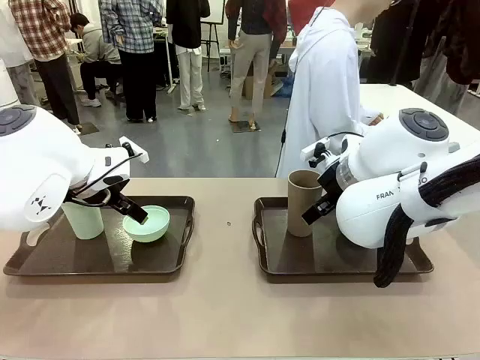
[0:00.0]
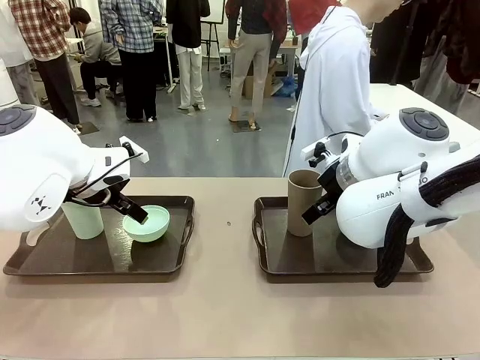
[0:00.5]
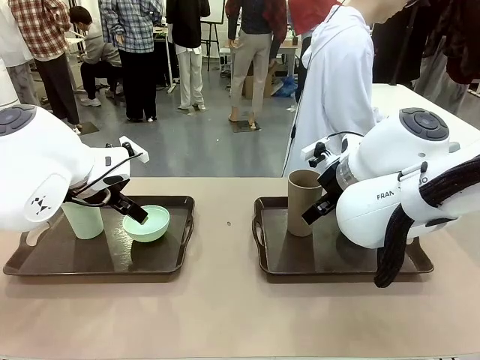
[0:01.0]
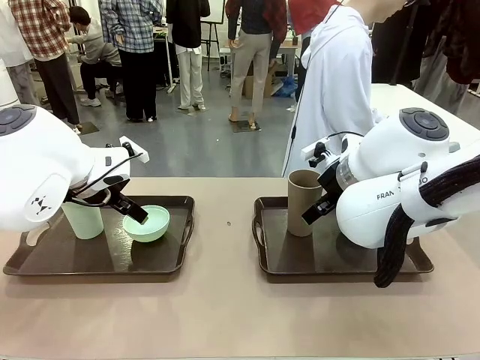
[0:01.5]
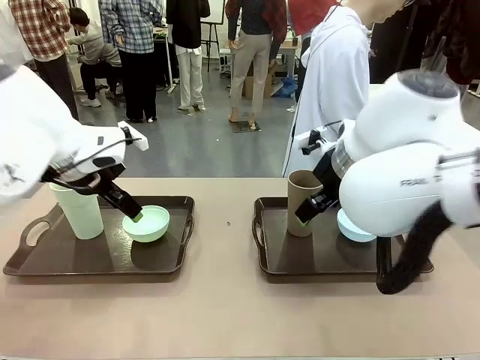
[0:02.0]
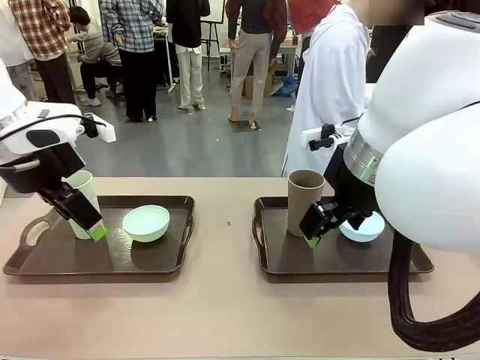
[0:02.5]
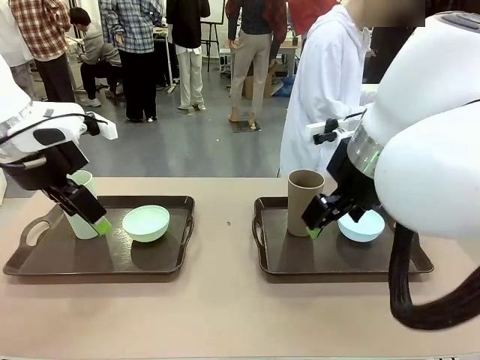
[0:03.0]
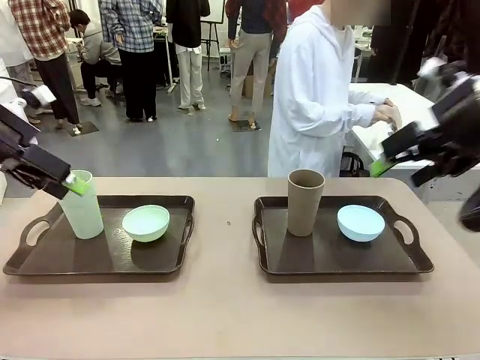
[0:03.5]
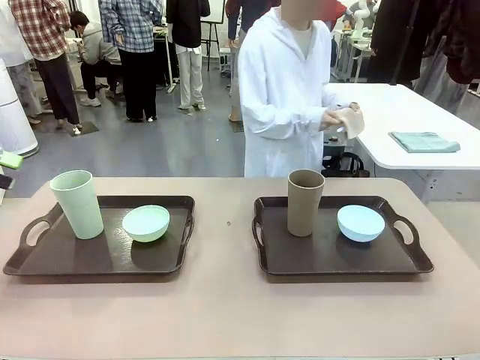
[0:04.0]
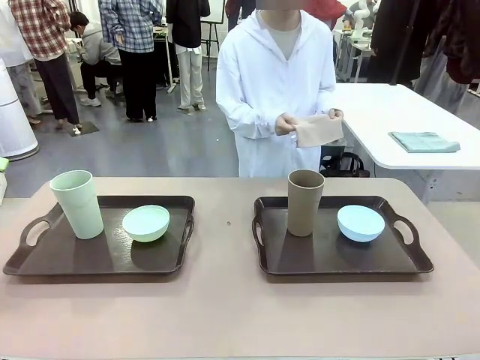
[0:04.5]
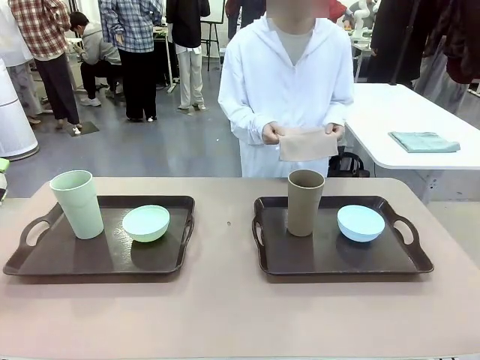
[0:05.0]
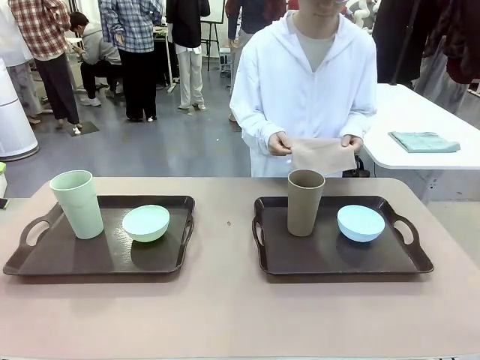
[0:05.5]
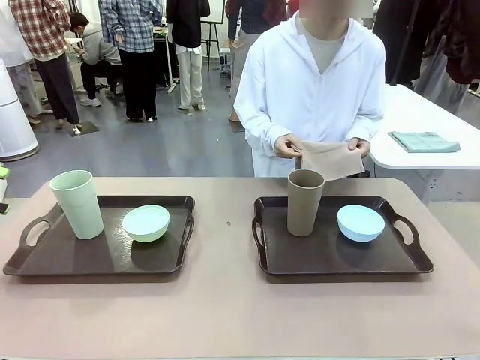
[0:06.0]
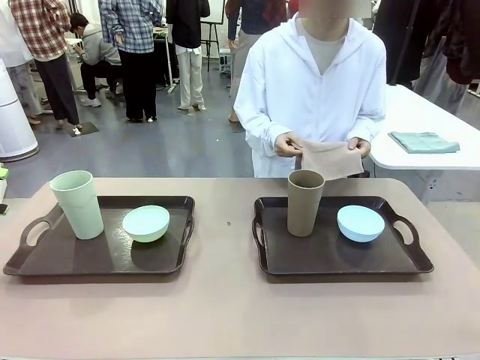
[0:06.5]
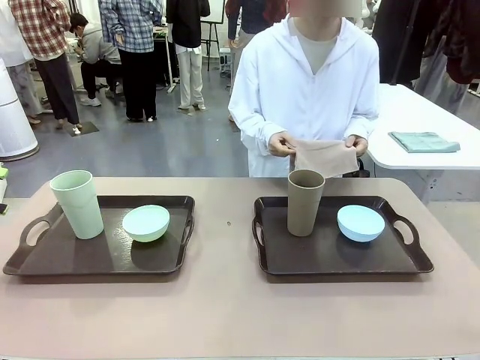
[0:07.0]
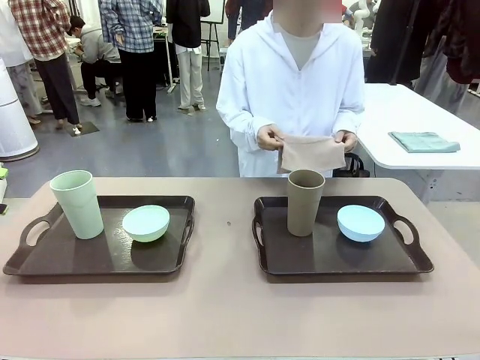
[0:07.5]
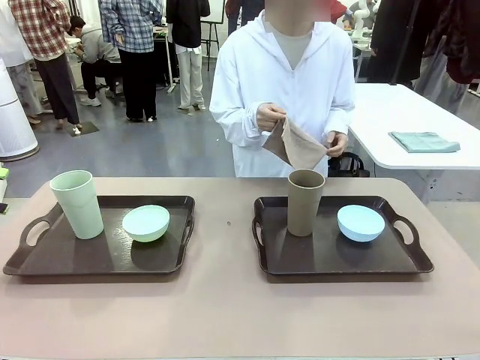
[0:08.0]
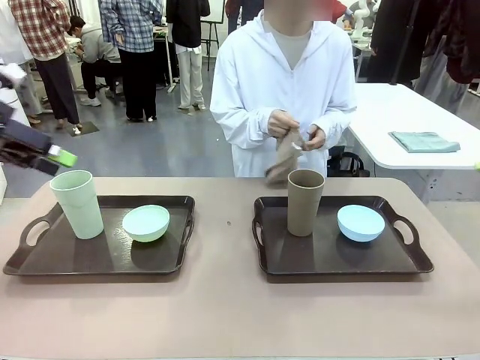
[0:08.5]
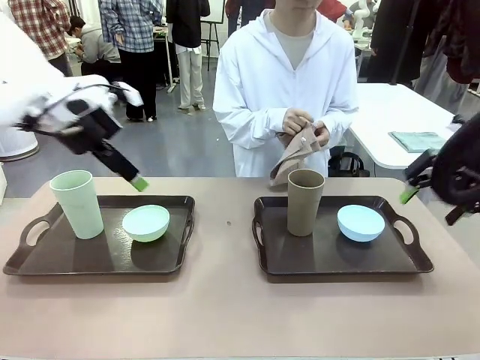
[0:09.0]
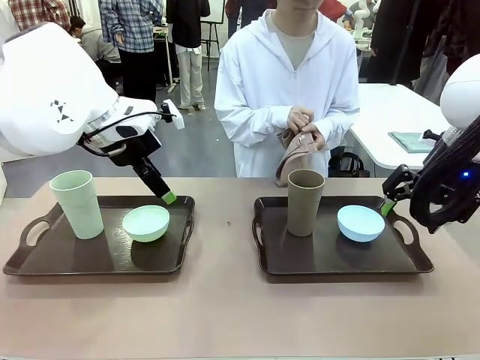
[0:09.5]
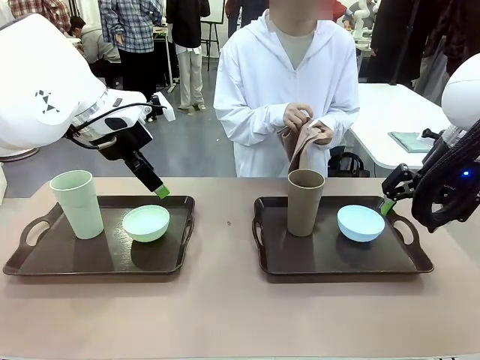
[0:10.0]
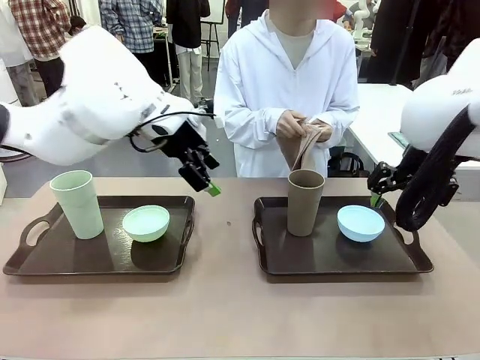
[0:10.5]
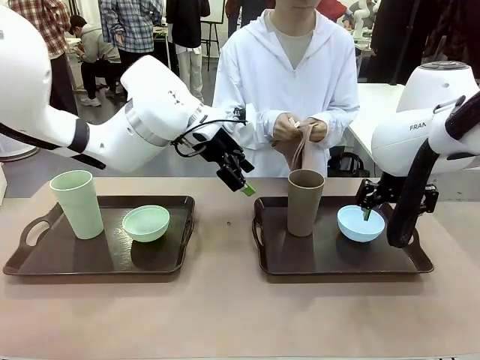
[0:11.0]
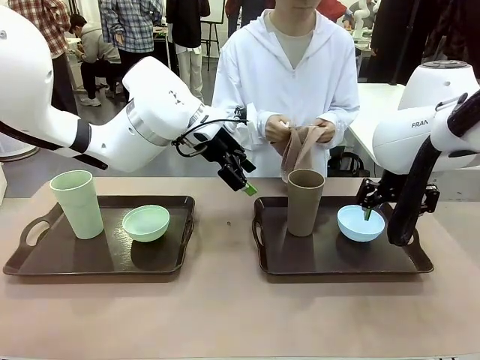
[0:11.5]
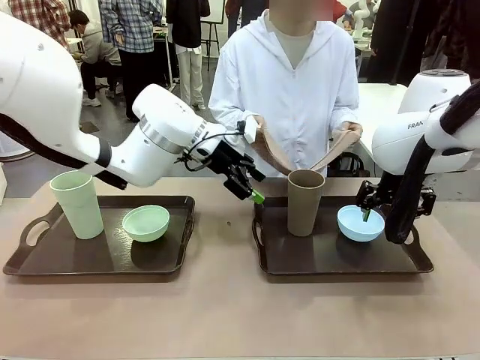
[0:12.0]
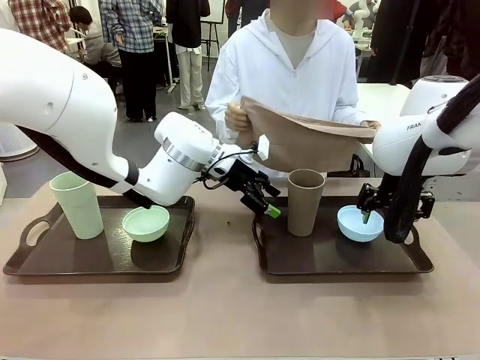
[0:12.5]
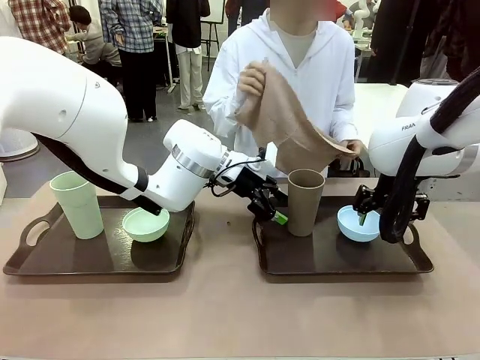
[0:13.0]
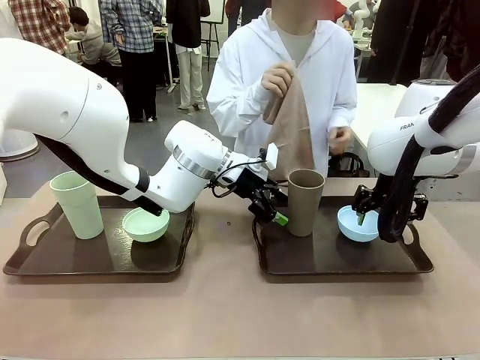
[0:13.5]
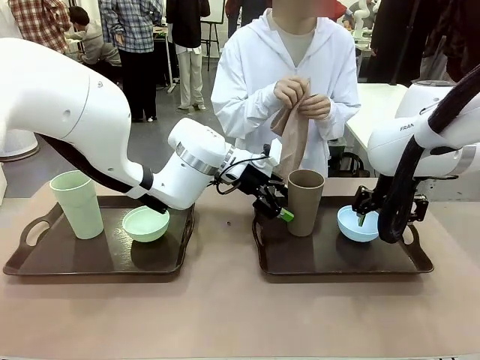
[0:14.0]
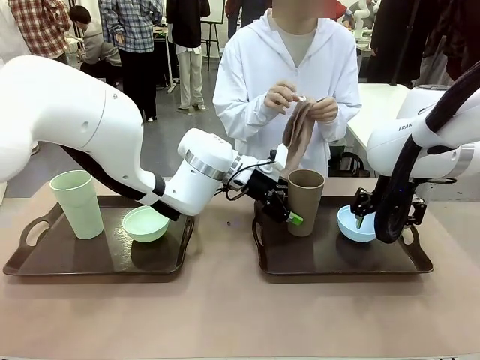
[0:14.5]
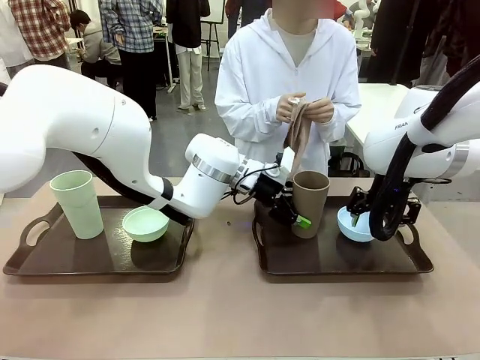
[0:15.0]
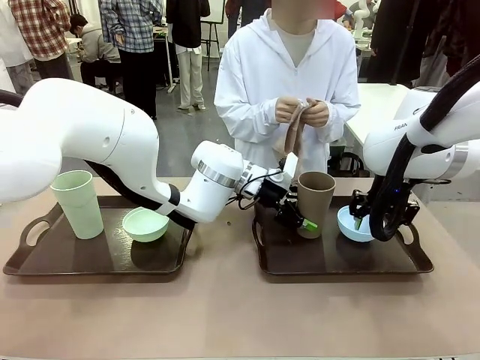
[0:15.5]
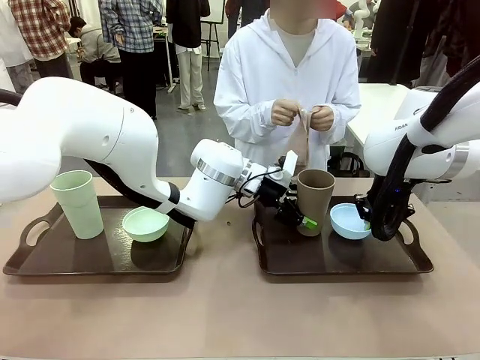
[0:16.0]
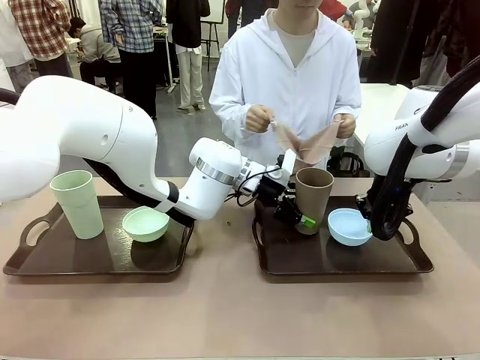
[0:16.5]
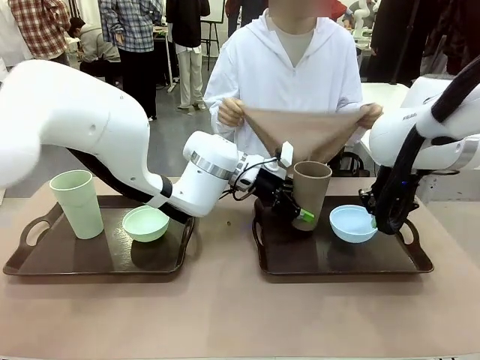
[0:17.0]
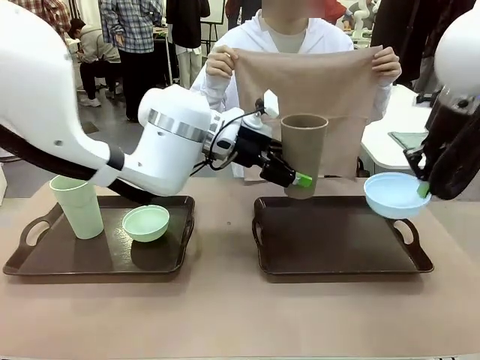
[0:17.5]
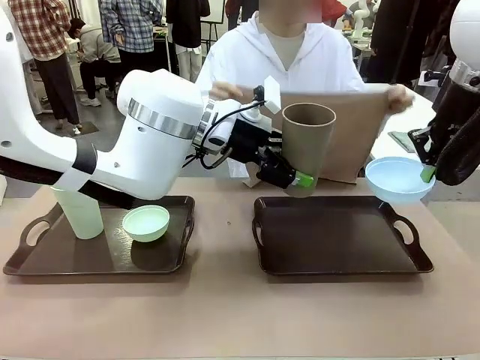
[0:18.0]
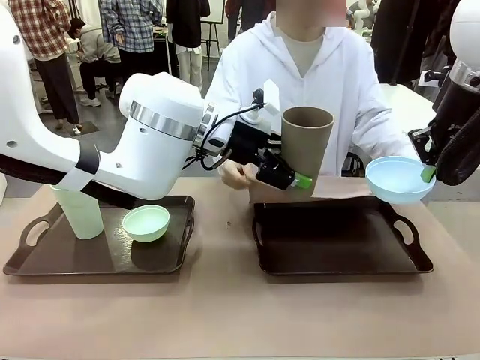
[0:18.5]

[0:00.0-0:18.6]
Robot: Pick up the Picnic Bowl and Reusable plastic cup from the Handle tray in front of the human's position and hold them in the air.
Person: The human picks up the top napkin from the stack on the human table and walks to the robot table to stand in front of one of the two trays. When the robot lifts the bowl and the cup, the human unfolds the napkin and lays the napkin flat on the tray.

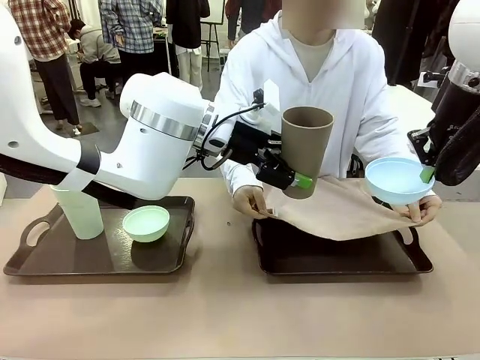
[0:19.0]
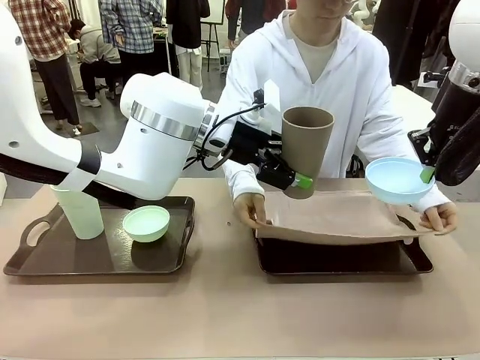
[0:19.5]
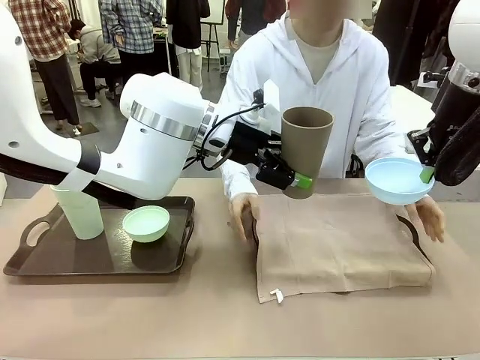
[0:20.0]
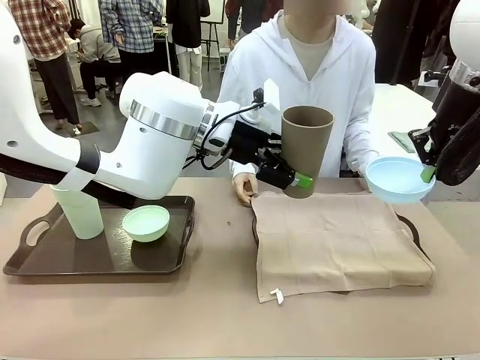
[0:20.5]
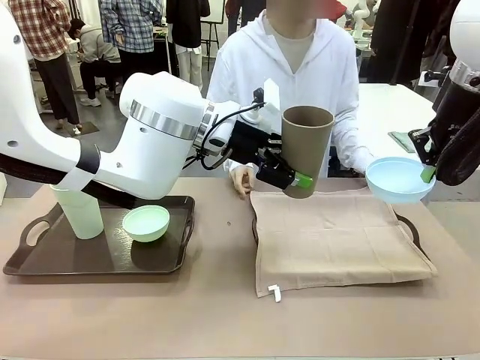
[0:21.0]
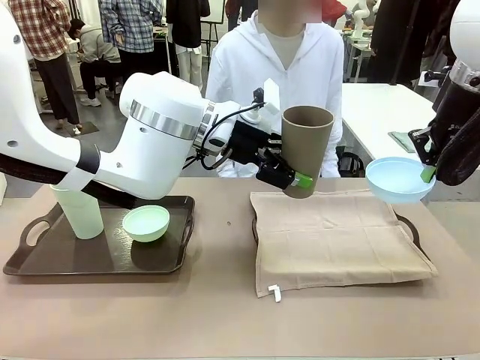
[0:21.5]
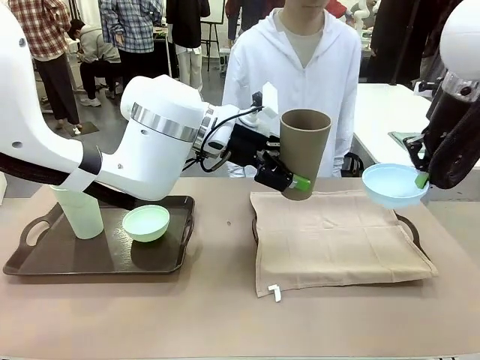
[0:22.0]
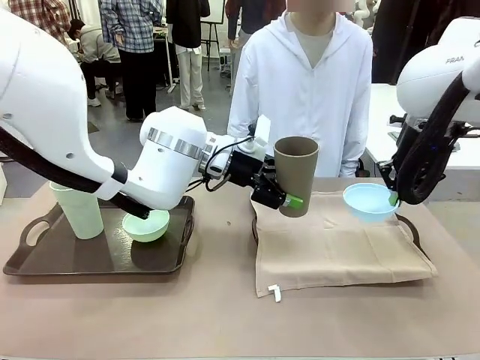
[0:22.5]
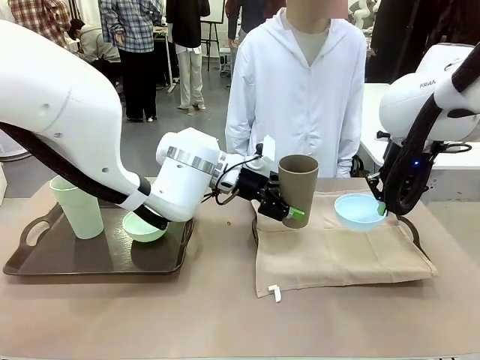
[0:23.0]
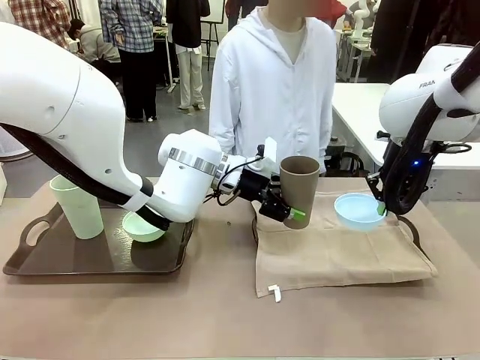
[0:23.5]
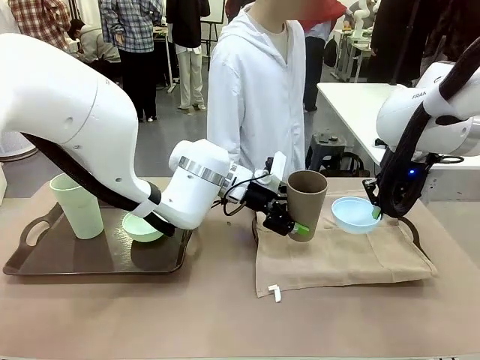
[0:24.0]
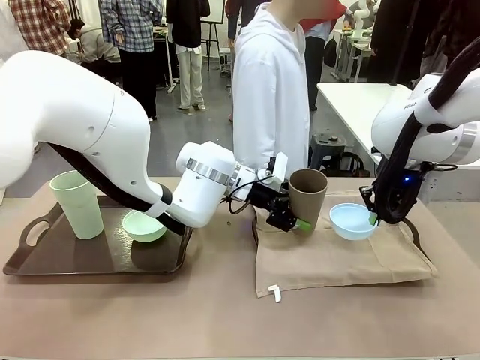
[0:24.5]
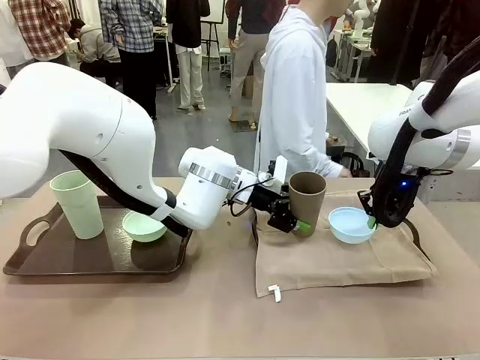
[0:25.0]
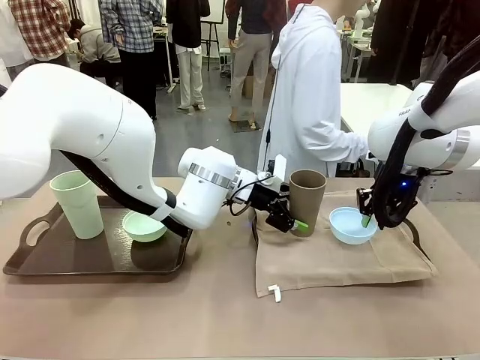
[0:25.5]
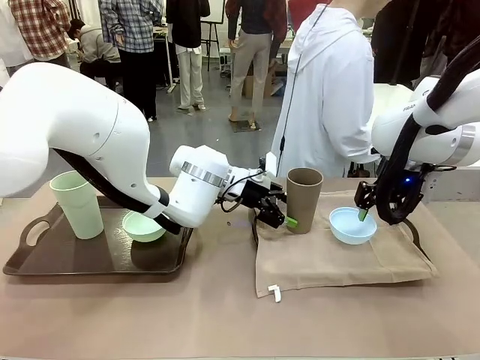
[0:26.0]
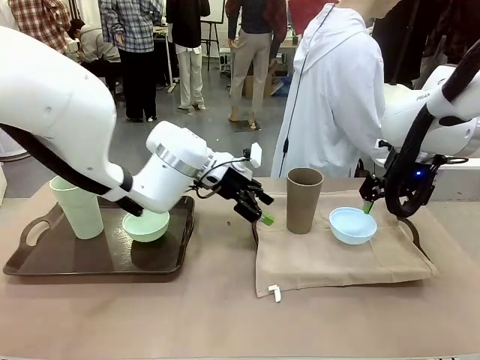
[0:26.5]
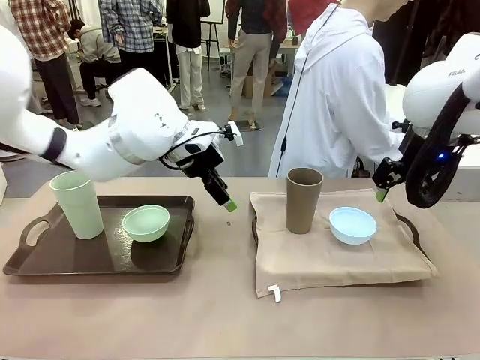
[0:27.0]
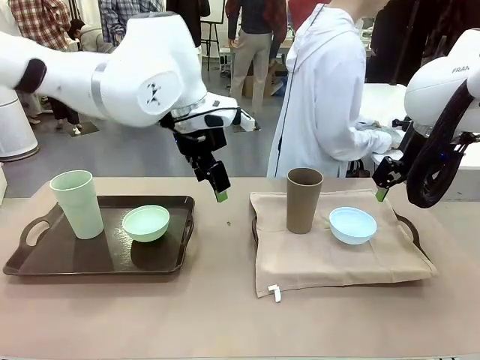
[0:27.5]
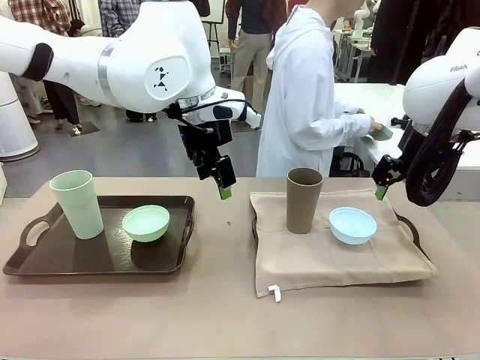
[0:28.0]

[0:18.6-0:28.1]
Robot: Place the Picnic Bowl and Reusable plastic cup back onto the Handle tray in front of the human's position.
Person: The human returns to the human table to pick up another napkin and walks to the robot table to stand in front of the tray without a napkin.
